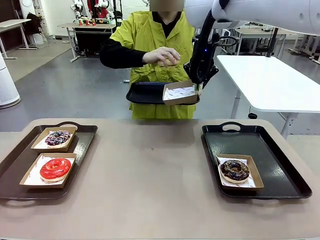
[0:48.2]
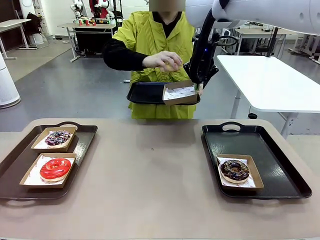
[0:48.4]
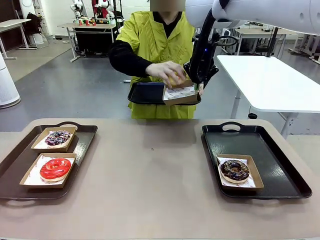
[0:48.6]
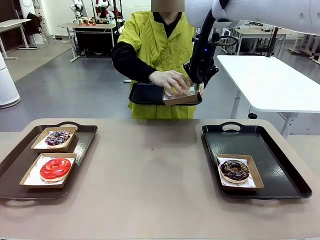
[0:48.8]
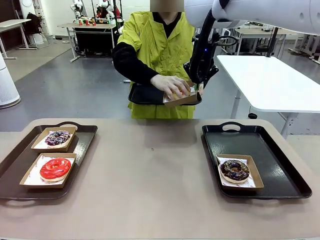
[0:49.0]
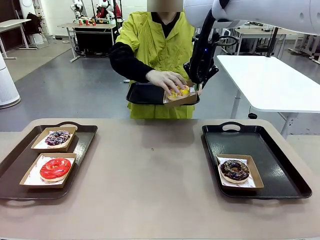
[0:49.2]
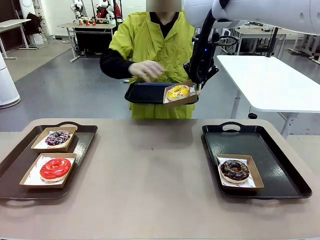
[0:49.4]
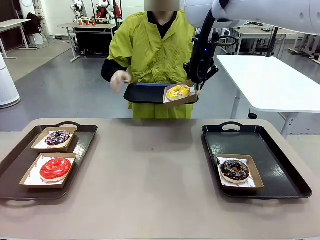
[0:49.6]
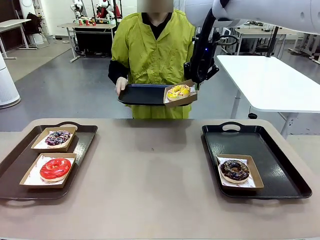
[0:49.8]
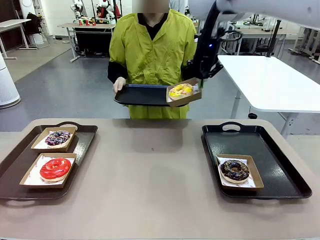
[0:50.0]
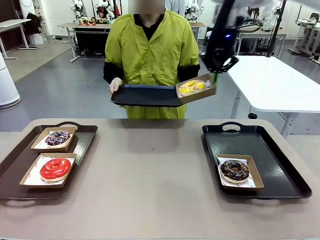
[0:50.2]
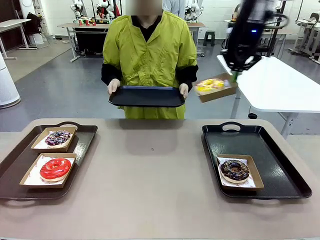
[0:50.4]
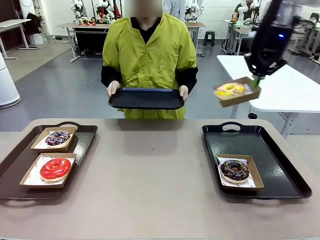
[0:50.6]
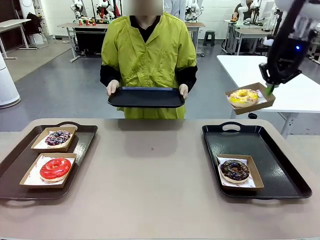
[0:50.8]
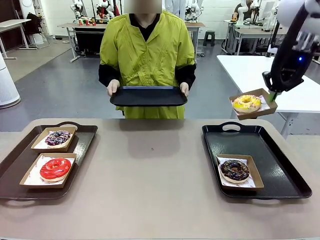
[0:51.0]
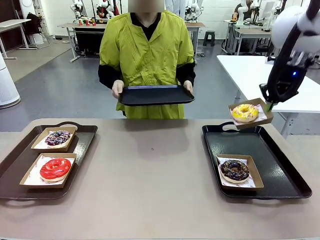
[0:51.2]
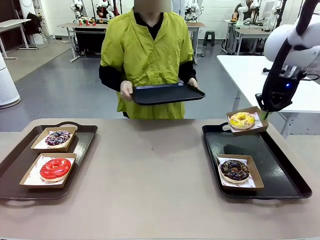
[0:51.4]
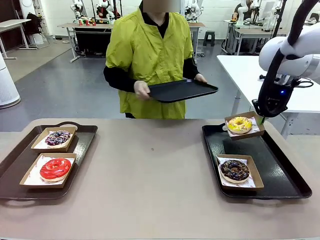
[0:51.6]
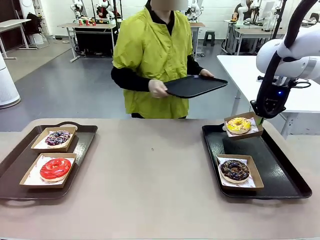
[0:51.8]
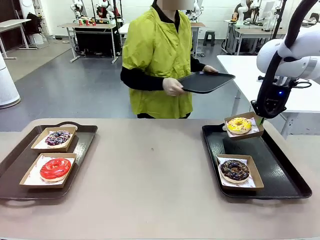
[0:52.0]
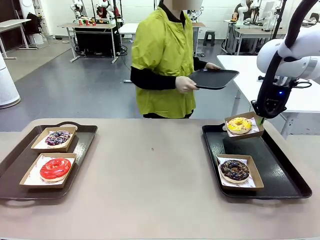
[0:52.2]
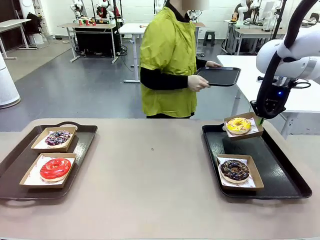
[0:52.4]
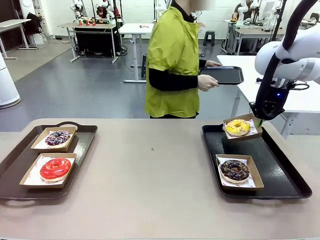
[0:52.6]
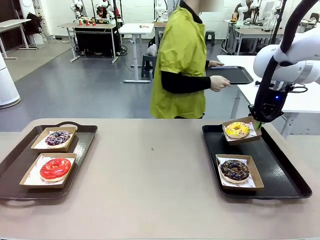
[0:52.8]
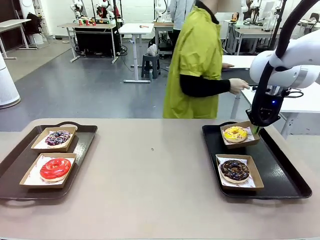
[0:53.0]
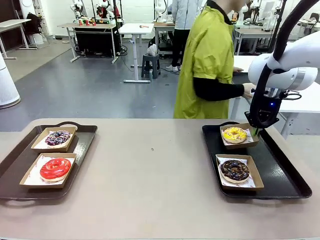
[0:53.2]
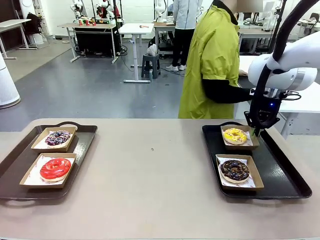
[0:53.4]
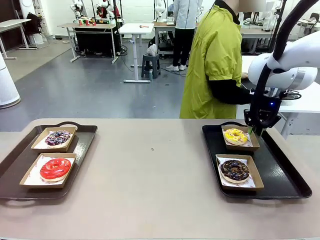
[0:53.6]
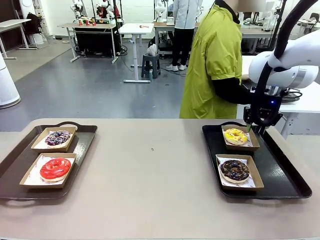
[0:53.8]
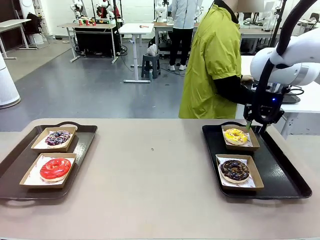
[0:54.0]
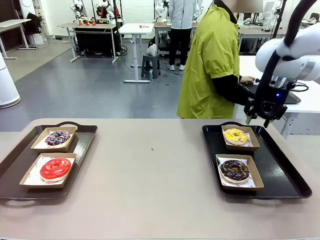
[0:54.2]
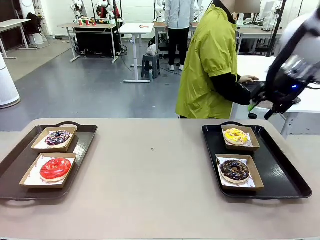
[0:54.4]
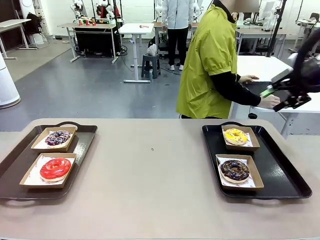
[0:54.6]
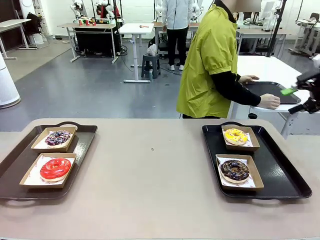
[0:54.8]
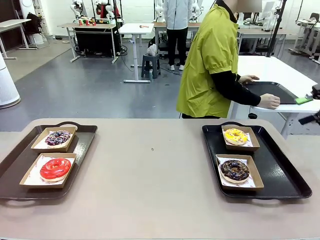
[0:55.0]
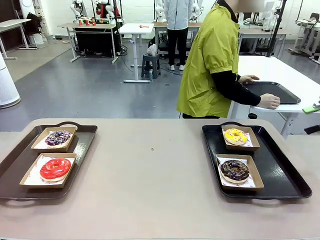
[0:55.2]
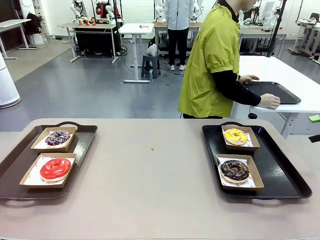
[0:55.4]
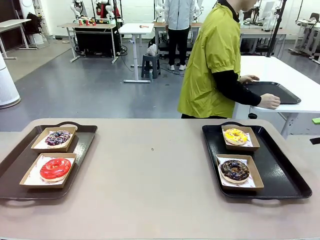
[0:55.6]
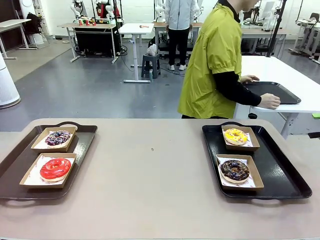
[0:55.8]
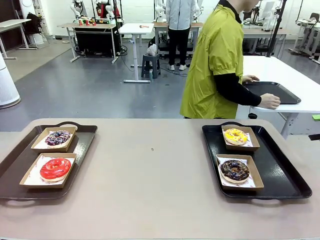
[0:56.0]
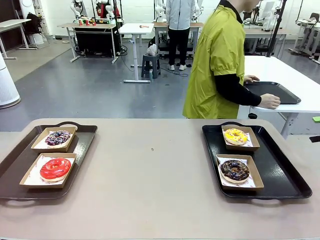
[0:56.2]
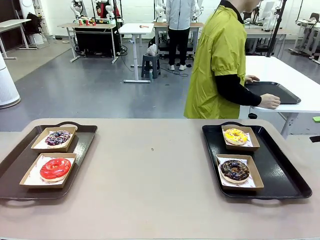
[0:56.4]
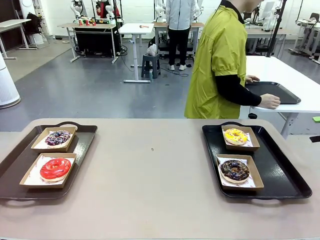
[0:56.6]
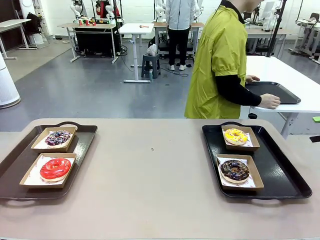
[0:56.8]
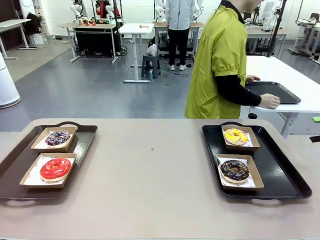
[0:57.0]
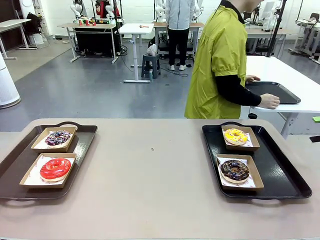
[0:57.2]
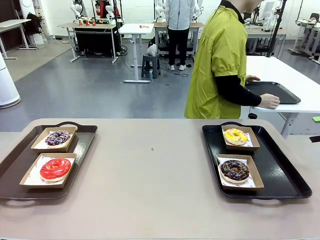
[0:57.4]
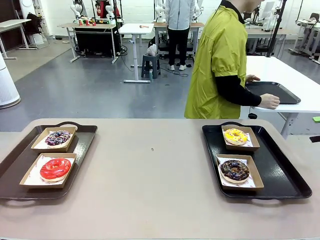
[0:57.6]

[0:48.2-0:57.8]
Task: Individually package the donuts and arrange them on the tray.
Robot: Place the picked Paper togo box on the Handle tray.
Person: Place the tray down in the middle of the human table.

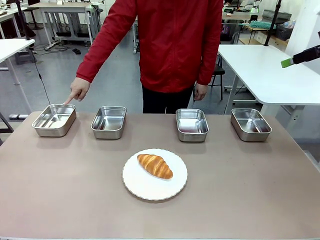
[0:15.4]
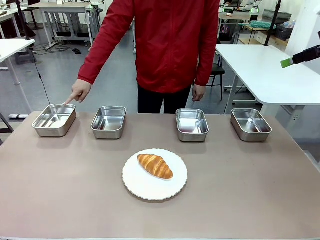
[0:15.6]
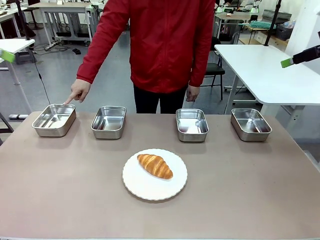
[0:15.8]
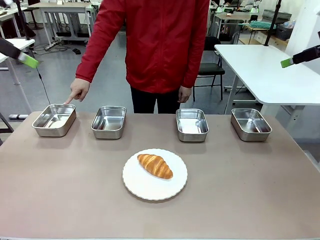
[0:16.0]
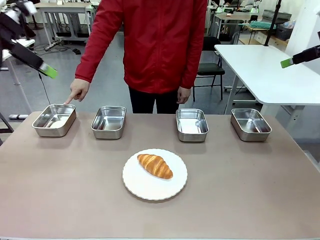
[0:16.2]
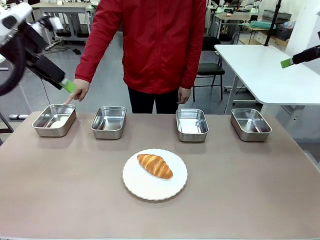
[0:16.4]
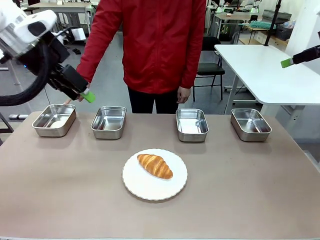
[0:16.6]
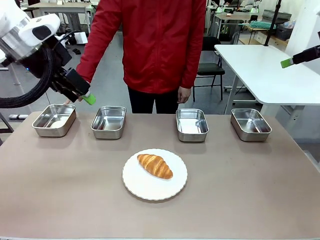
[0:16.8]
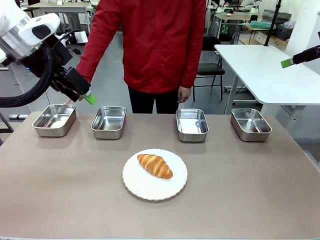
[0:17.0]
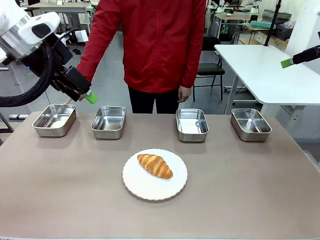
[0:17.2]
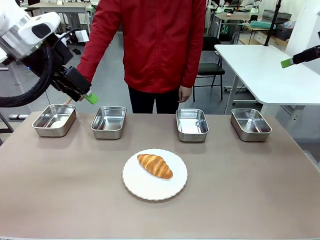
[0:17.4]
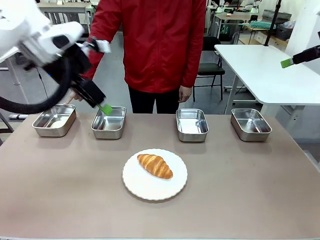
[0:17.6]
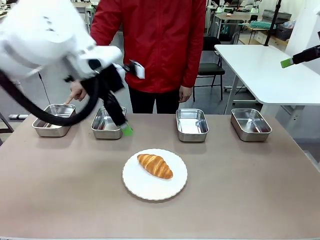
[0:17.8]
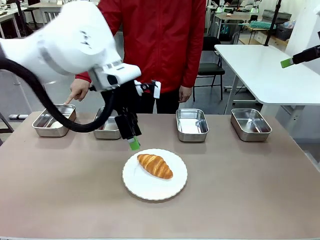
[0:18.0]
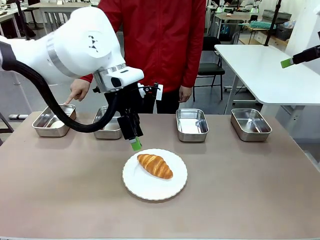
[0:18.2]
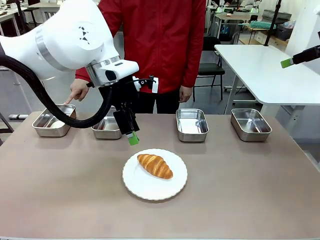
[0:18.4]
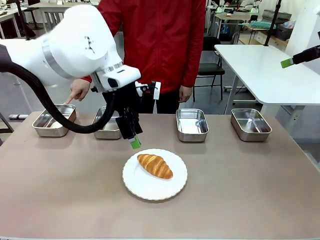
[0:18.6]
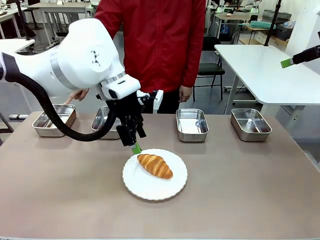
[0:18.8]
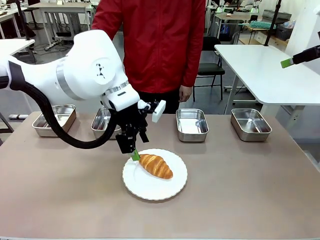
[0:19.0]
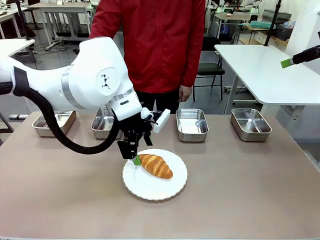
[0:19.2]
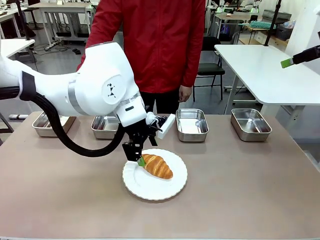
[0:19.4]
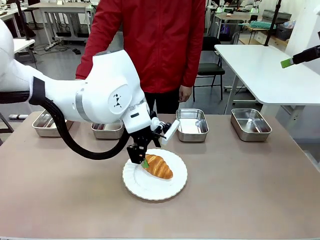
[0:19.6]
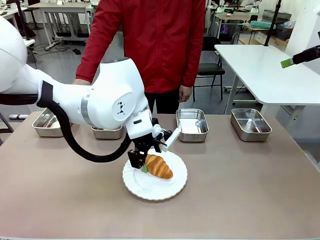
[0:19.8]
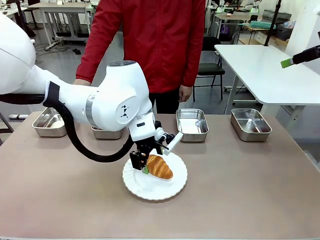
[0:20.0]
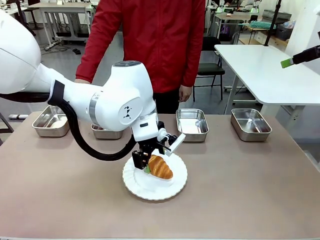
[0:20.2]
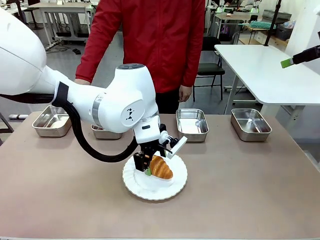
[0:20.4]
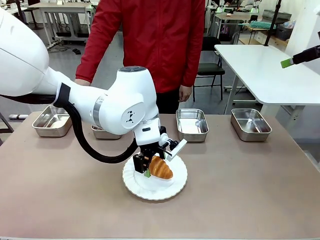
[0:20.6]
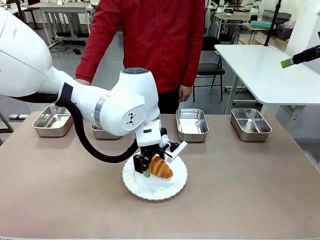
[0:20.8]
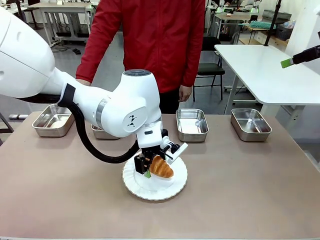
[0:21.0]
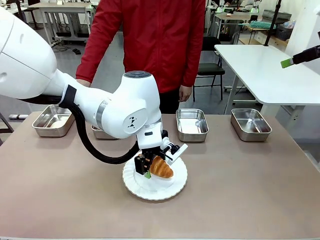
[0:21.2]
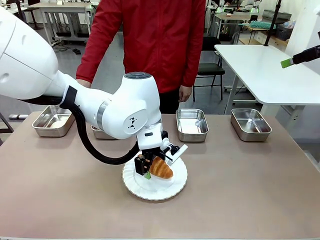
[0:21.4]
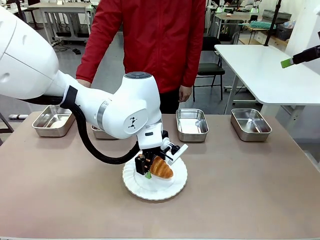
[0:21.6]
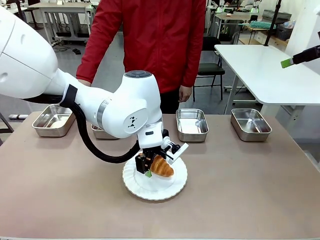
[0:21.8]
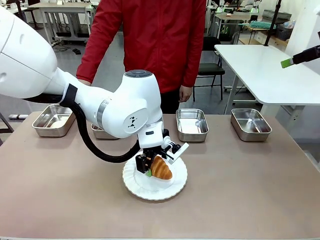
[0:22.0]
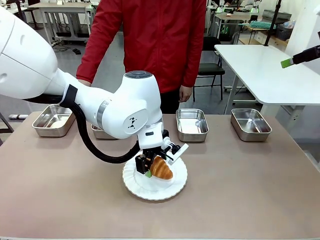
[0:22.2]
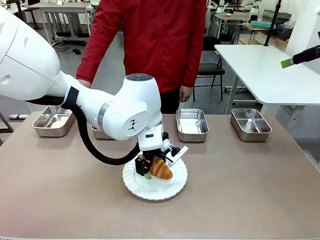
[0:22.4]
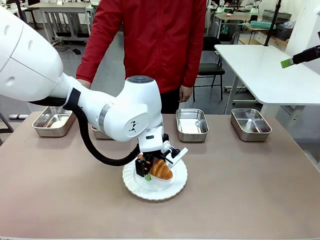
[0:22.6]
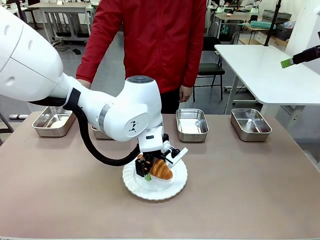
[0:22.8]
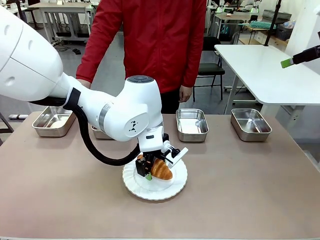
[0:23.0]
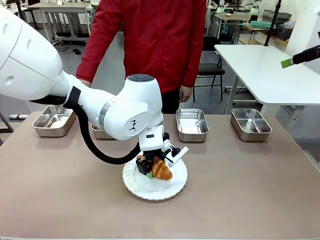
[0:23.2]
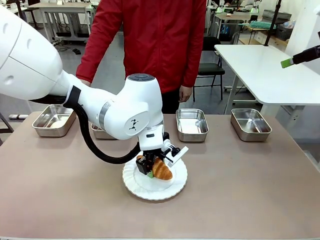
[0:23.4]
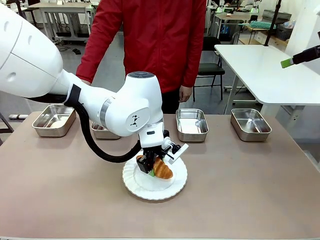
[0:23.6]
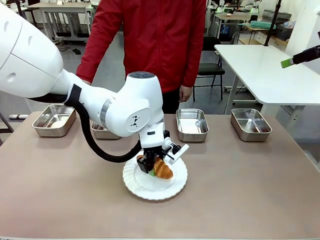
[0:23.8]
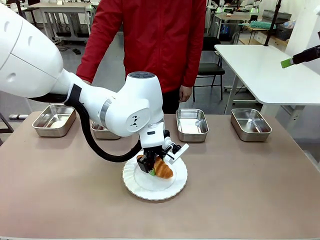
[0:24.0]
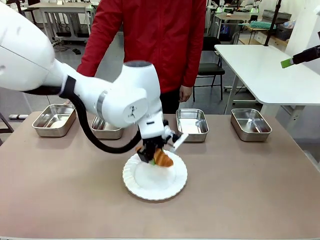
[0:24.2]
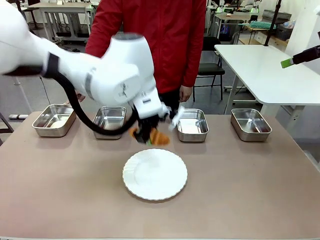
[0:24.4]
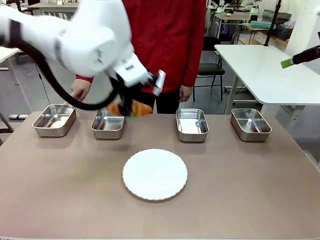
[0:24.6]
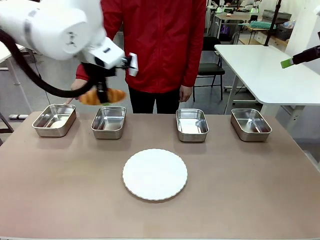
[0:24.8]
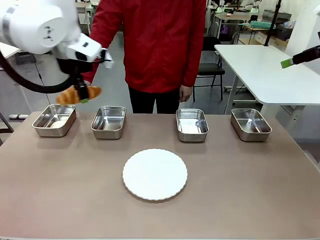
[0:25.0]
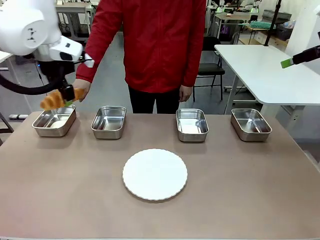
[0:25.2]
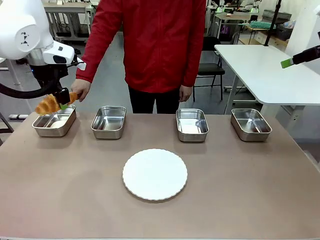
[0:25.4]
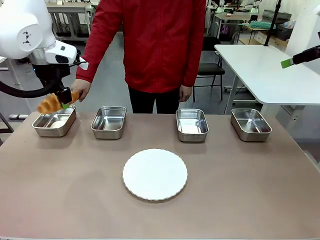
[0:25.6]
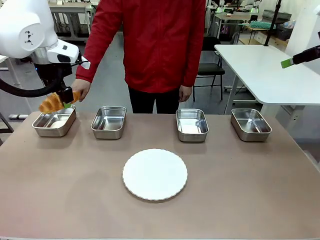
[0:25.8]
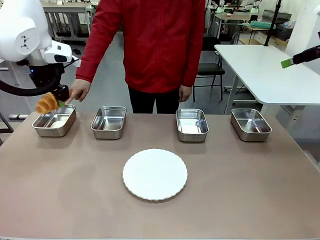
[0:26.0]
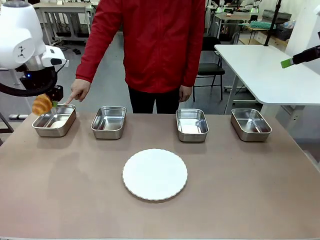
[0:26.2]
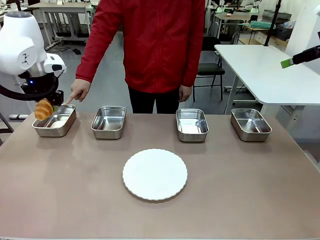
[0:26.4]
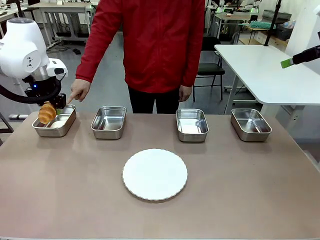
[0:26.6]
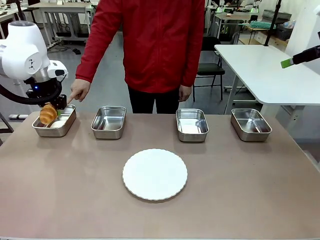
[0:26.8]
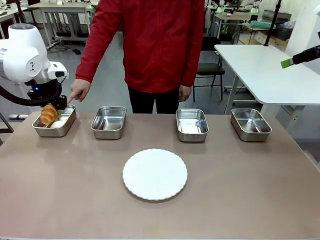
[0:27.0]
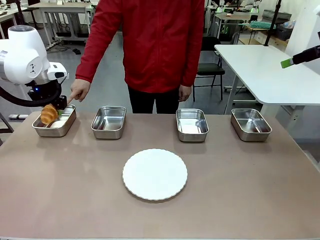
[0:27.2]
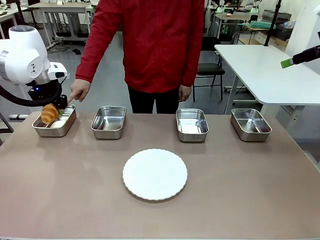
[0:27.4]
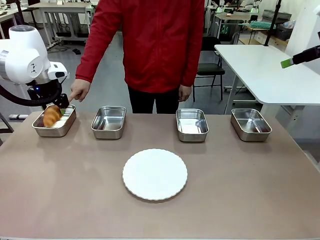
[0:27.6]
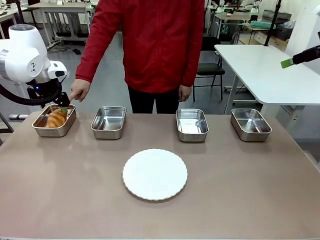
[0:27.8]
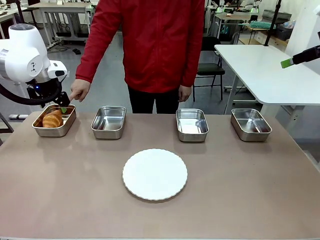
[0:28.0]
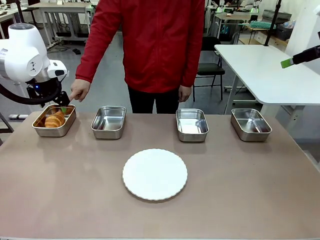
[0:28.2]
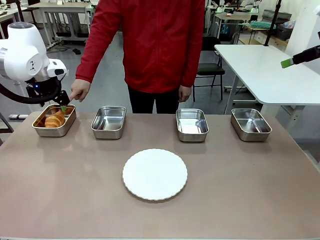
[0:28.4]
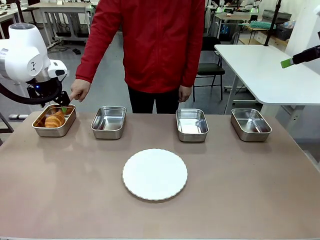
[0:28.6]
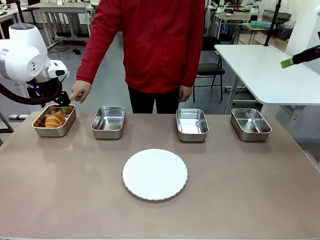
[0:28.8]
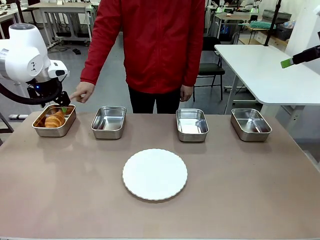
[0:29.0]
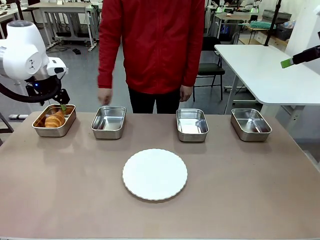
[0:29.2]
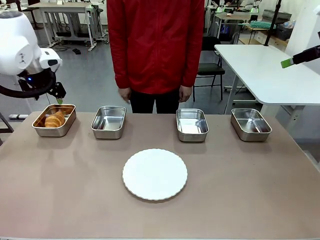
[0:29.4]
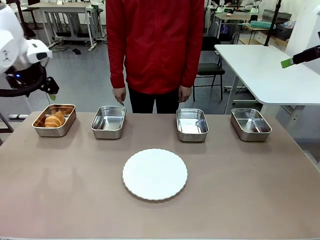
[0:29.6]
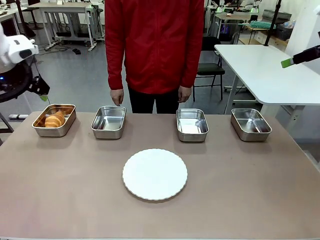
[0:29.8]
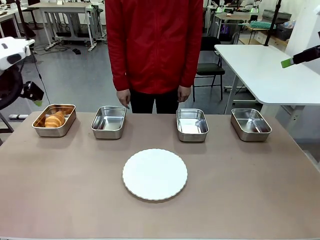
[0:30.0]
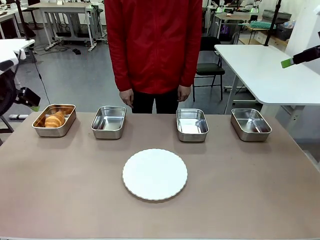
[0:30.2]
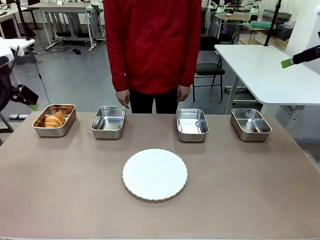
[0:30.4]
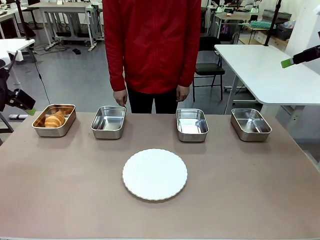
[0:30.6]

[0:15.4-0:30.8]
Task: Place the bread in the container.
Robot: Place the Butter Roll into the Airtight Container indicated by the human.
